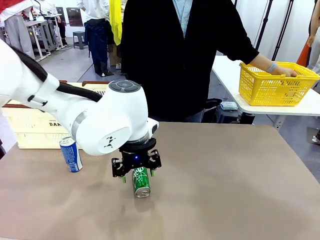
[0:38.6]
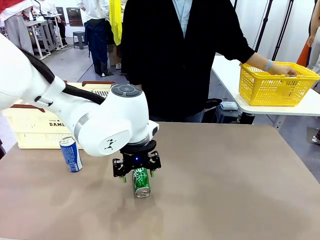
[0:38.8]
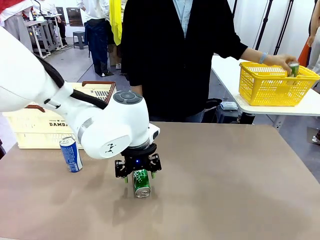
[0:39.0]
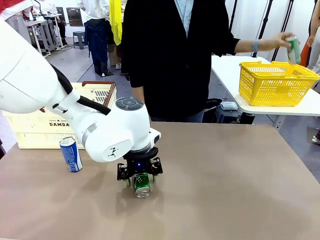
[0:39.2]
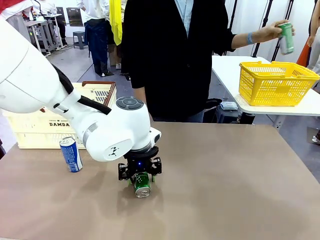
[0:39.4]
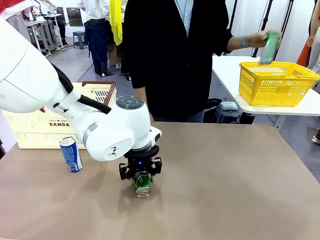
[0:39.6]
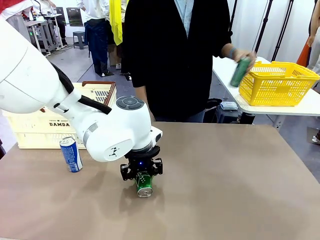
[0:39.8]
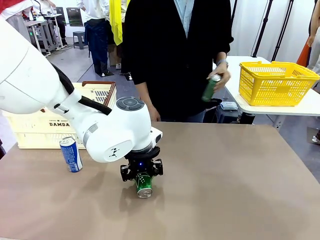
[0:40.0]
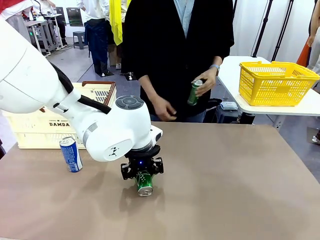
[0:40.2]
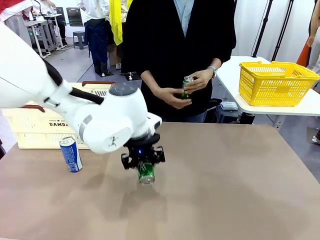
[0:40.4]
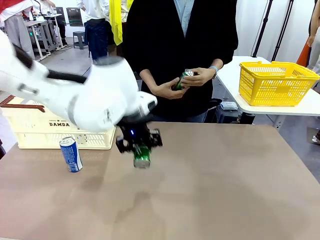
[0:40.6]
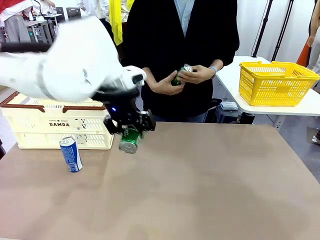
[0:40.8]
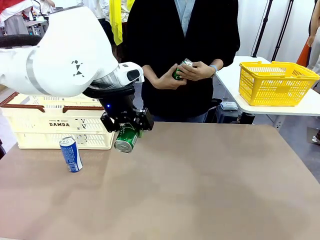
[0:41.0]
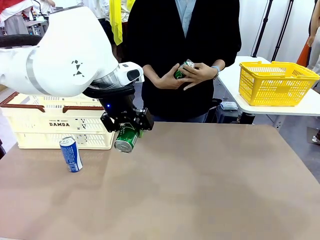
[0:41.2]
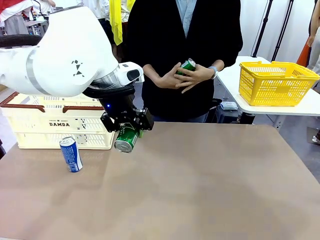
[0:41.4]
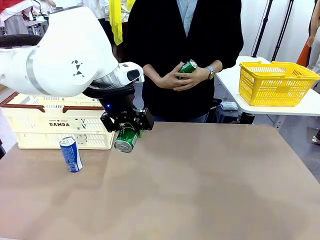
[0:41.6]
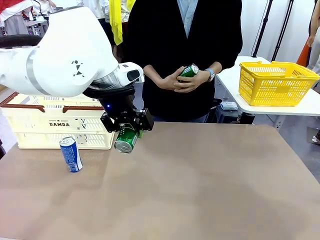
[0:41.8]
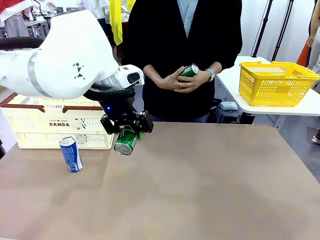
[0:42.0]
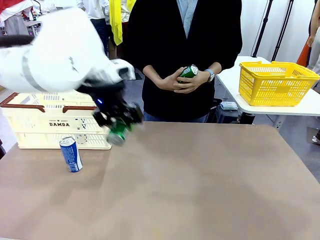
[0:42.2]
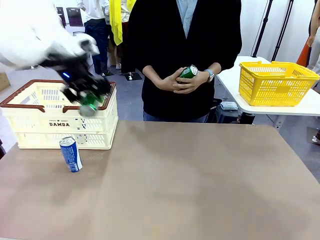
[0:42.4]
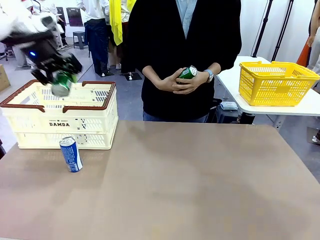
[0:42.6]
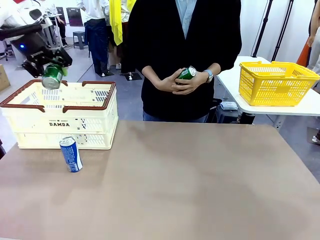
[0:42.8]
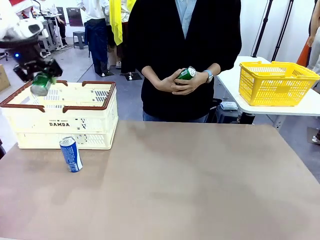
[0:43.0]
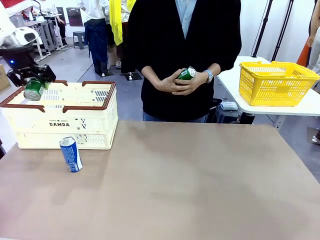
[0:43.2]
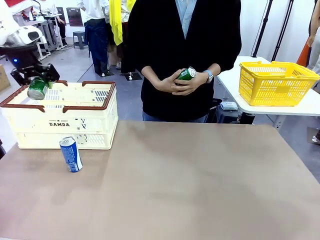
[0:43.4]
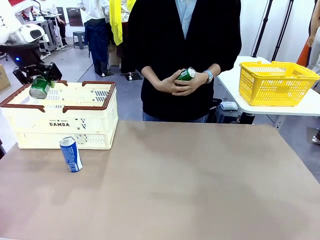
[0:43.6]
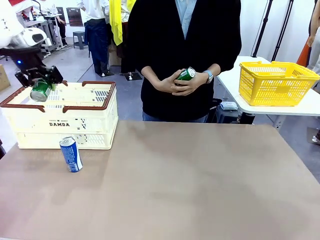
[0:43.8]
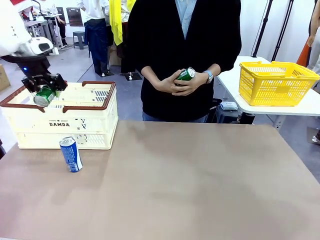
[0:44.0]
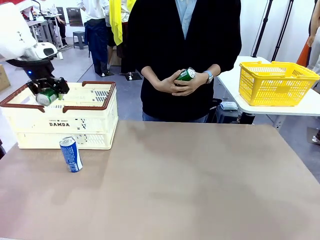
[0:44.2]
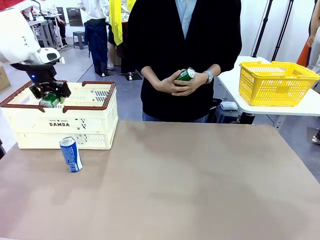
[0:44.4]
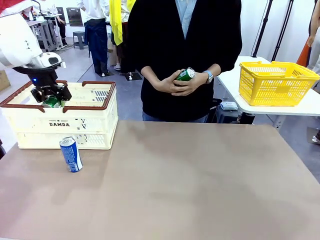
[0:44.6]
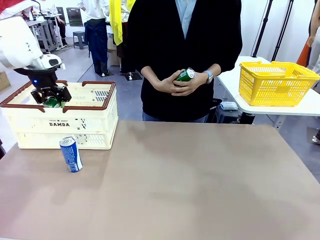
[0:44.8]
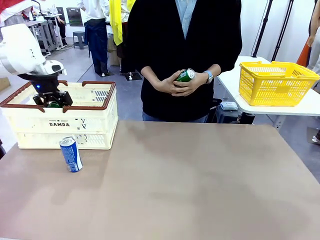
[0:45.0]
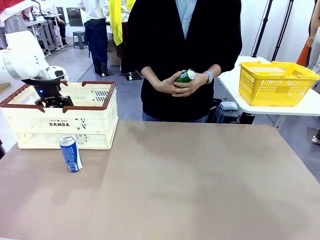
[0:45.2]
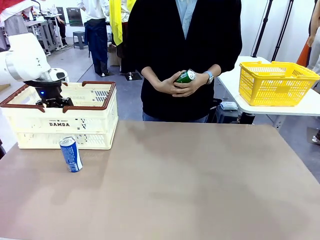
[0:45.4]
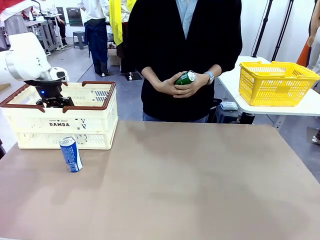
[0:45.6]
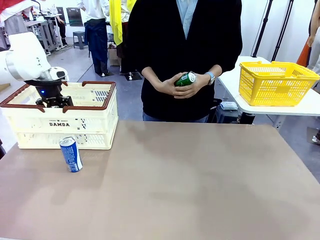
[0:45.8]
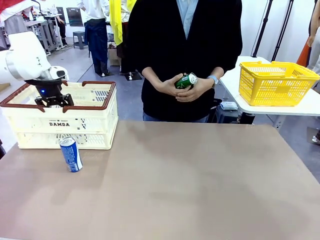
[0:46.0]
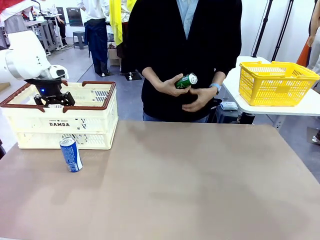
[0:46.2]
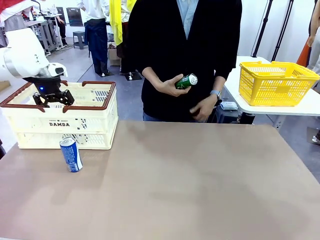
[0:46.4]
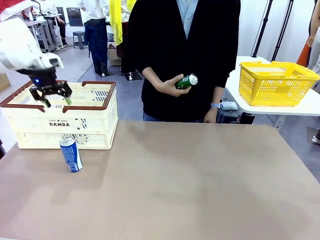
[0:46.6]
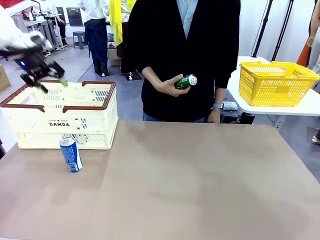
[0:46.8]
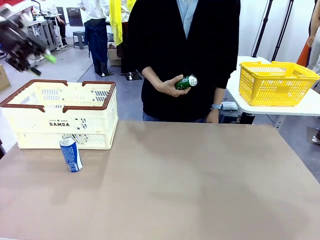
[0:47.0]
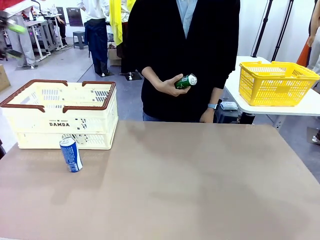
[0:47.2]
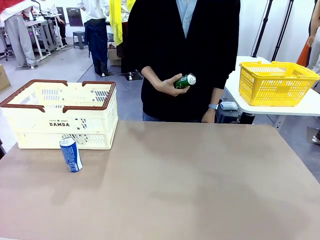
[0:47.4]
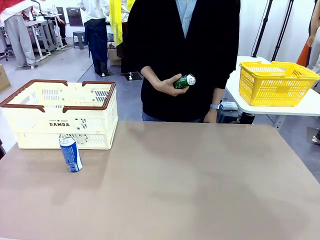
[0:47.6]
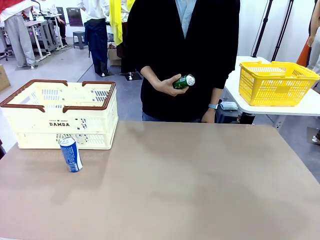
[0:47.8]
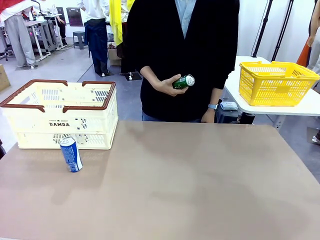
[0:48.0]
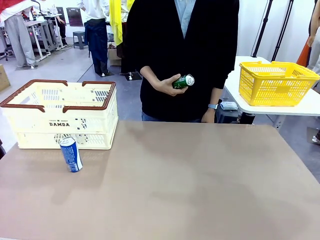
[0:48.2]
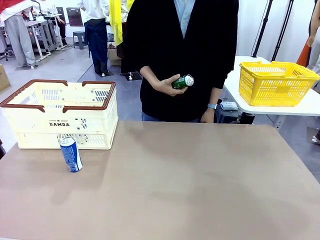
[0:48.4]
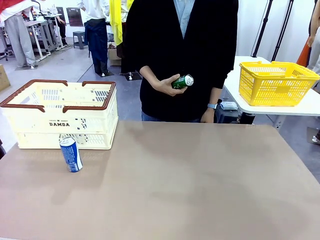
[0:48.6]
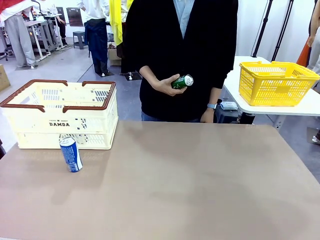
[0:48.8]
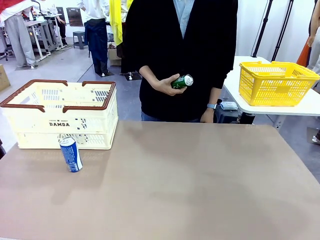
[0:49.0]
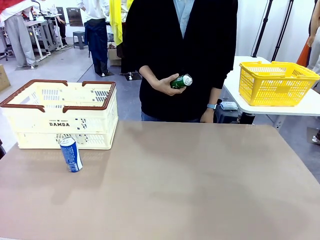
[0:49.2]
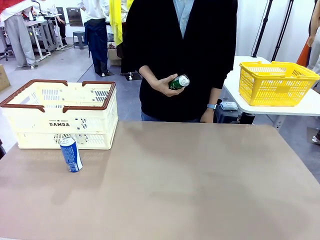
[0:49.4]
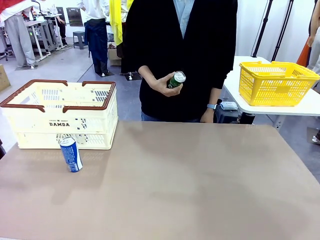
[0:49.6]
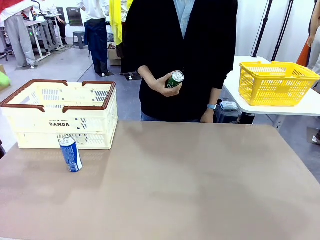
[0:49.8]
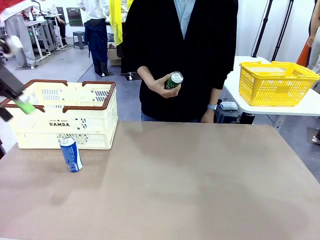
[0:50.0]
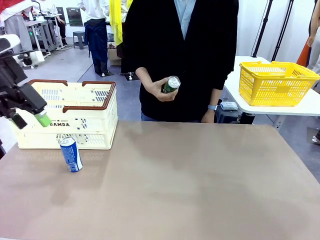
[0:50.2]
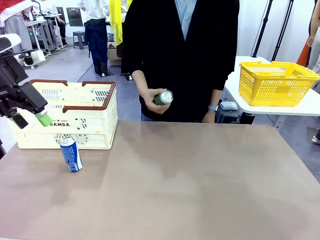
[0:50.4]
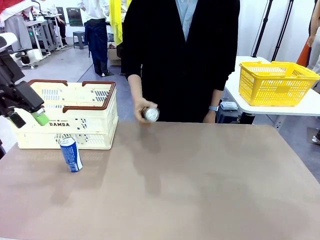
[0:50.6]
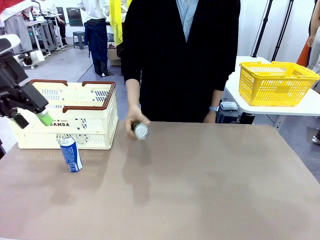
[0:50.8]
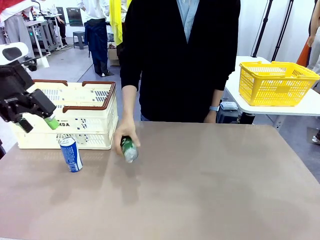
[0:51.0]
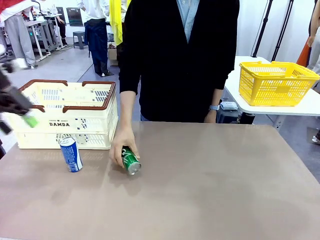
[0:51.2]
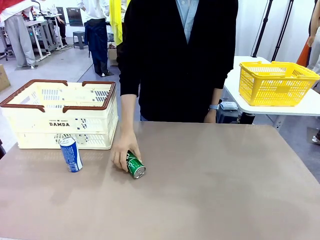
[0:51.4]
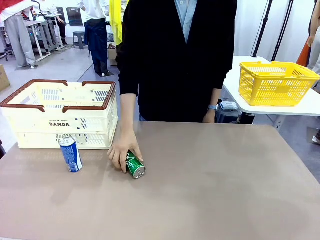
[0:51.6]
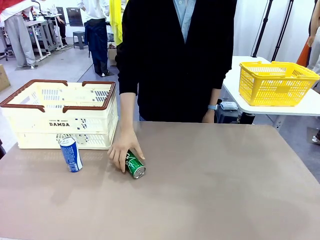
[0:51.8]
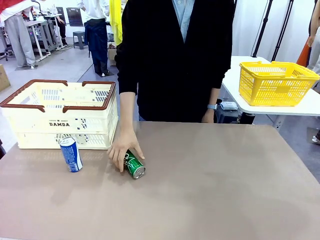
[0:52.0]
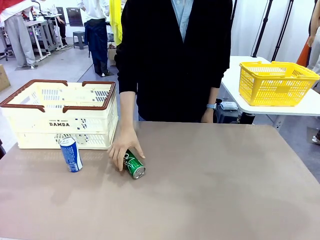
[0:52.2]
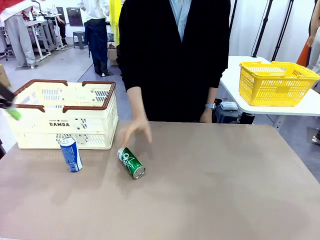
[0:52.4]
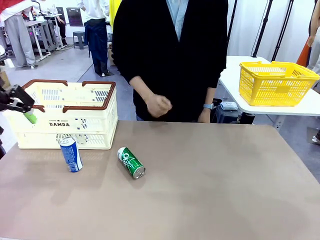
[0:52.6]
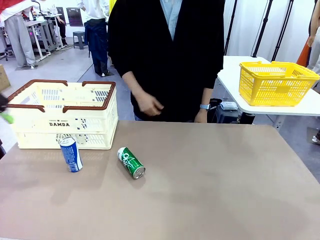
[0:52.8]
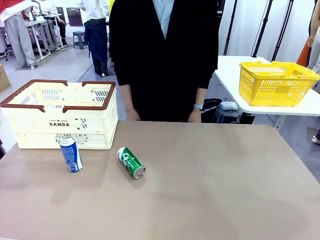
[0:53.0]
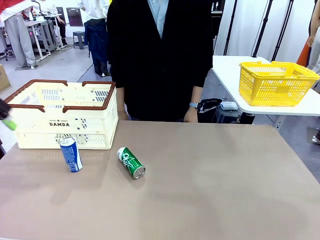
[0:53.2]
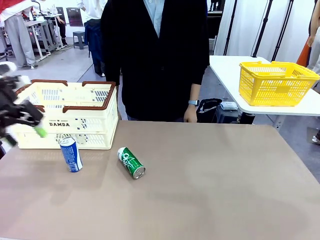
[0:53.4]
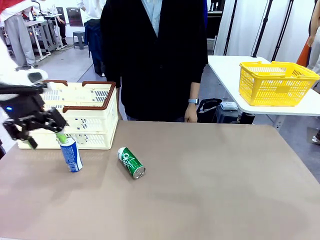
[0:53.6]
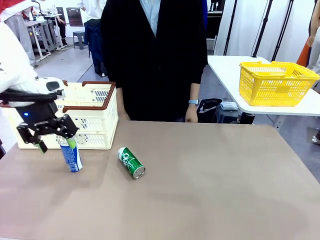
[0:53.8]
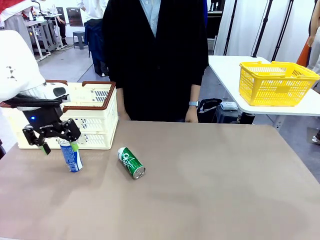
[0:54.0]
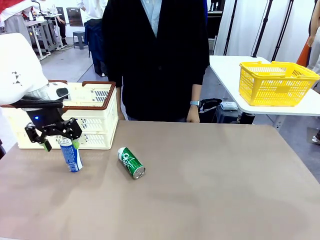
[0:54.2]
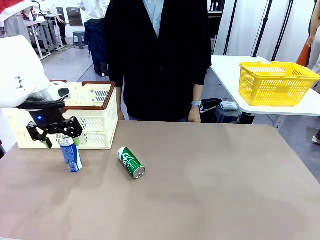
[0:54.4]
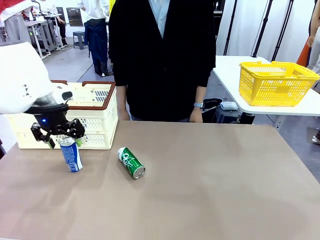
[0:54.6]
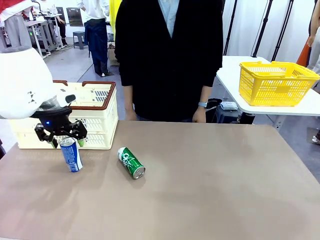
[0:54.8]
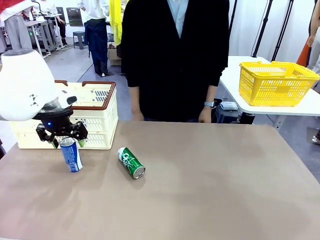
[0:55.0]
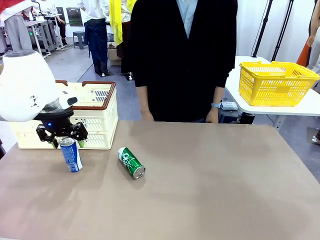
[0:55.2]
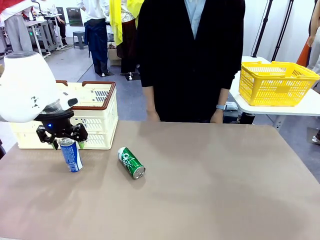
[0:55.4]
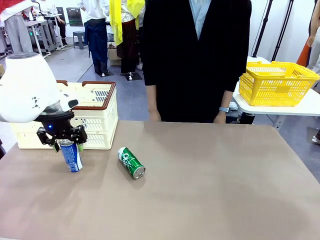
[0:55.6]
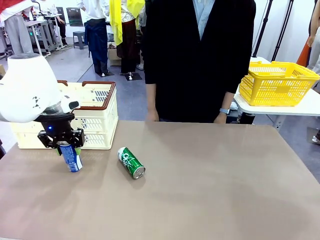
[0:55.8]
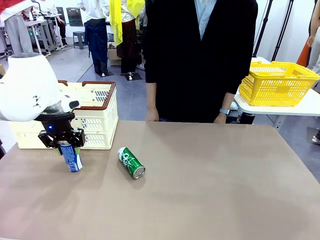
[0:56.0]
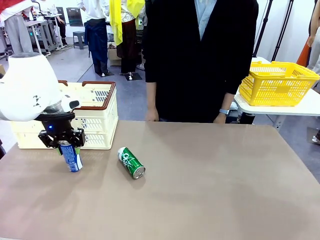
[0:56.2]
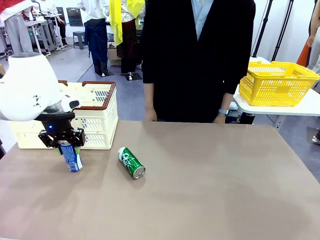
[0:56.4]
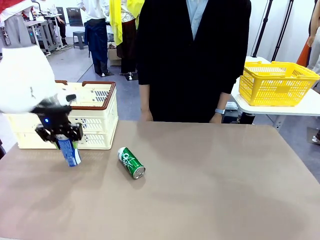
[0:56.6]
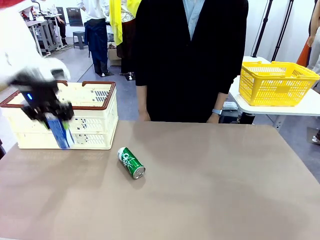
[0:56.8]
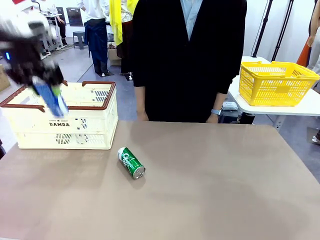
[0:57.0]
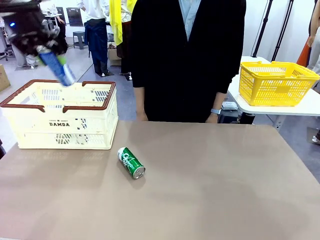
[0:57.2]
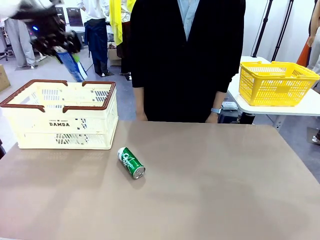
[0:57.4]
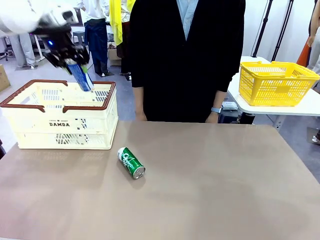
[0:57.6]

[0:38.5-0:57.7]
Task: Place the drinks into the Shopping basket.
Robot: Pick up one drink and place it into the Shopping basket.
